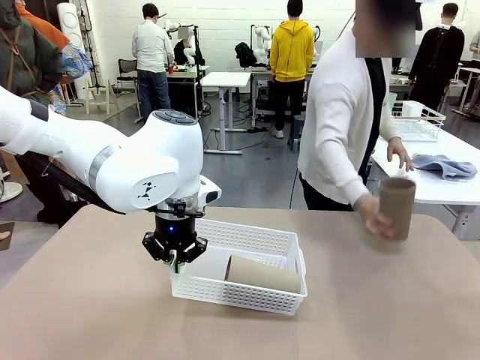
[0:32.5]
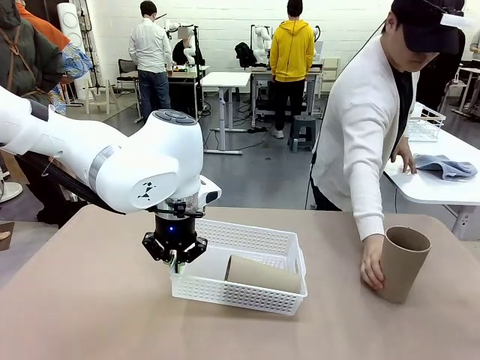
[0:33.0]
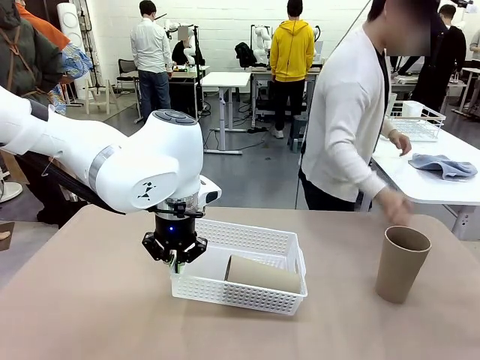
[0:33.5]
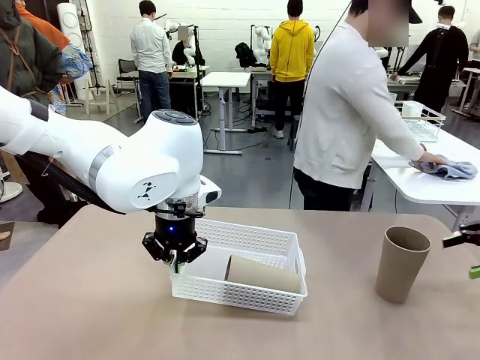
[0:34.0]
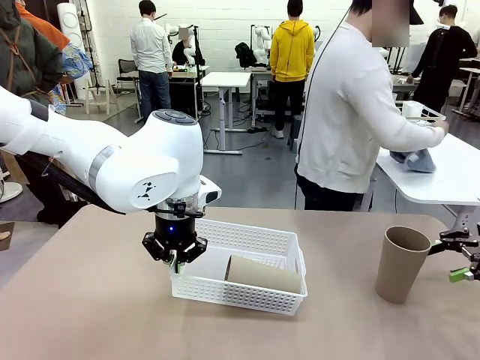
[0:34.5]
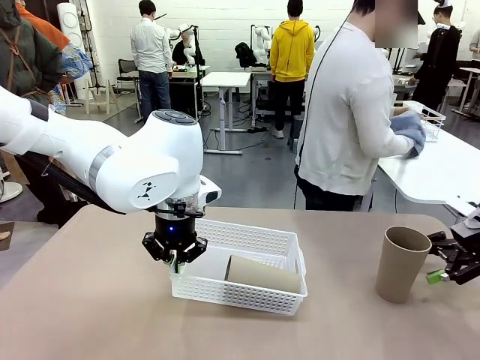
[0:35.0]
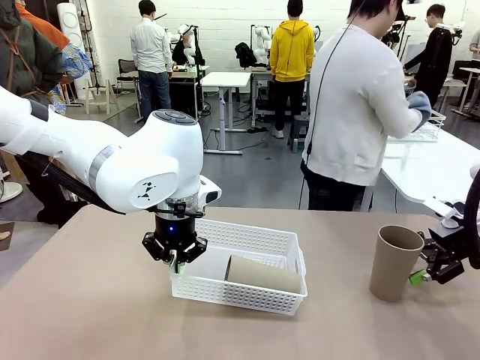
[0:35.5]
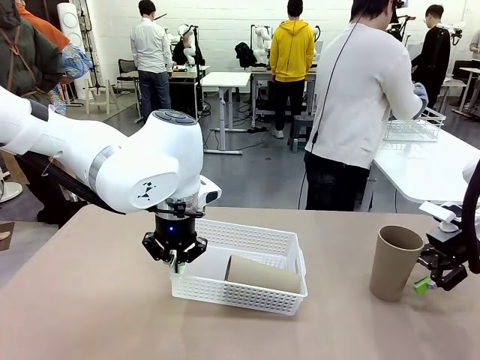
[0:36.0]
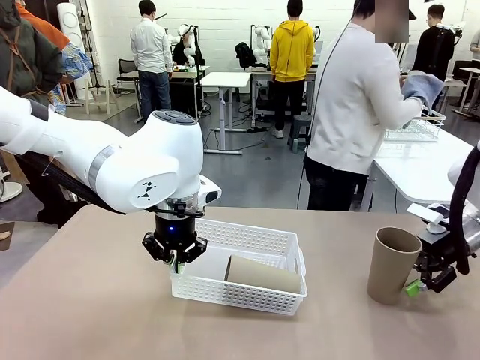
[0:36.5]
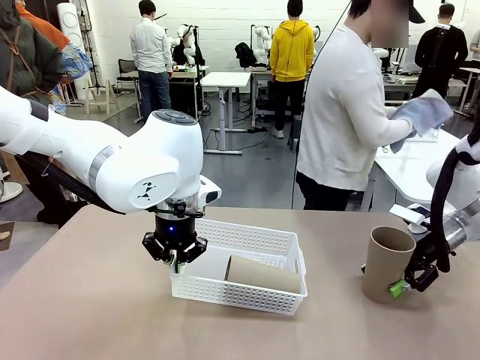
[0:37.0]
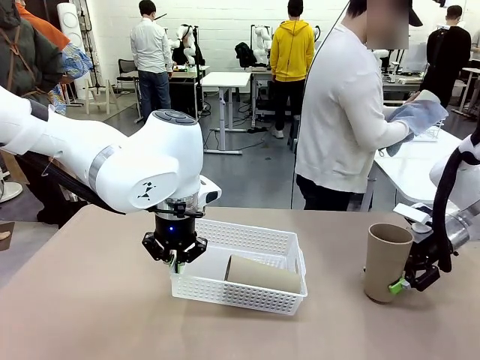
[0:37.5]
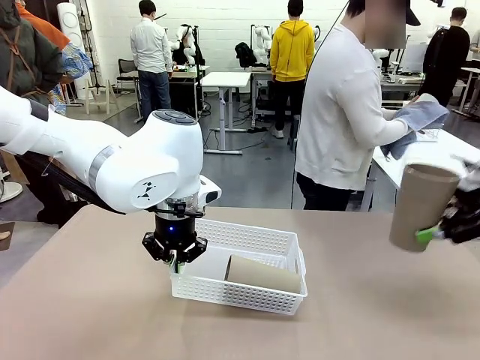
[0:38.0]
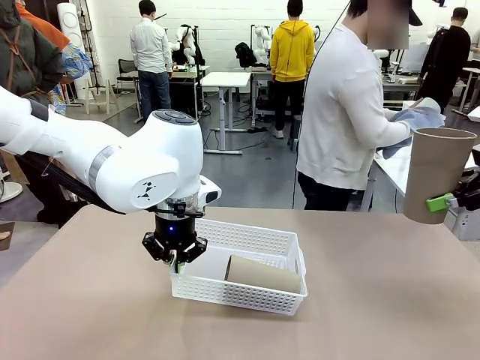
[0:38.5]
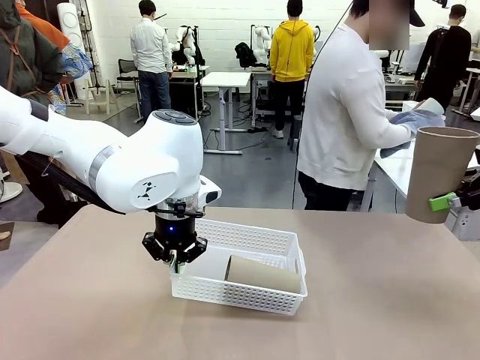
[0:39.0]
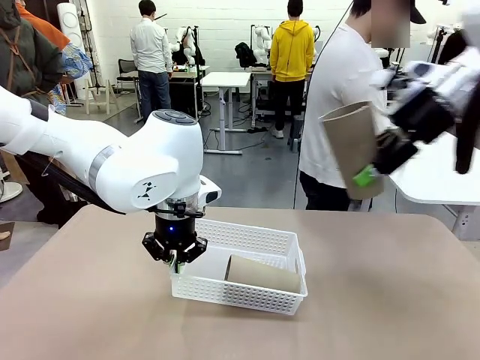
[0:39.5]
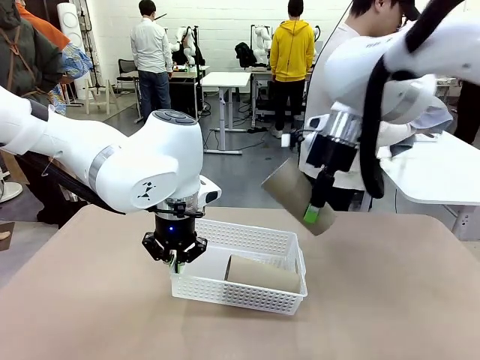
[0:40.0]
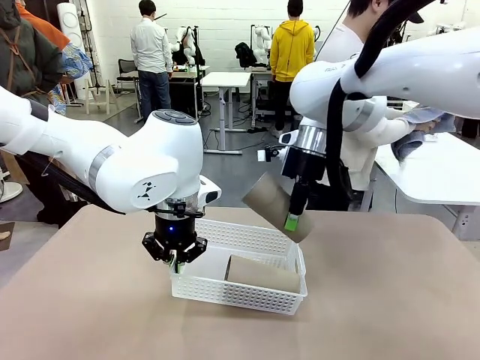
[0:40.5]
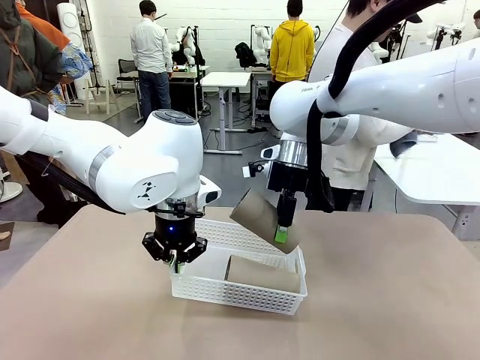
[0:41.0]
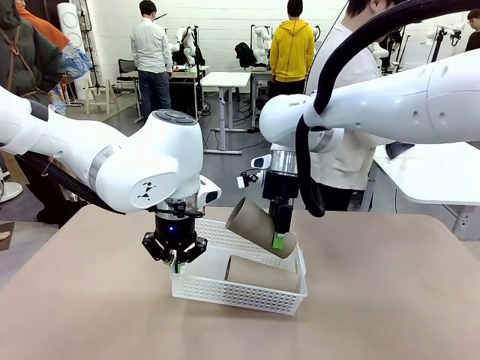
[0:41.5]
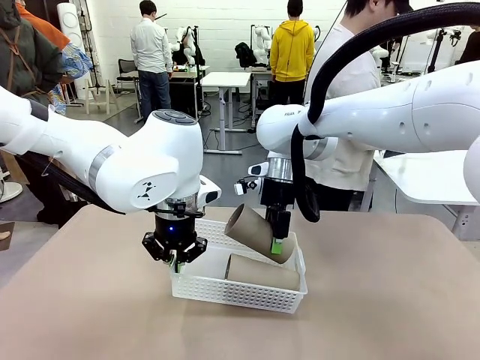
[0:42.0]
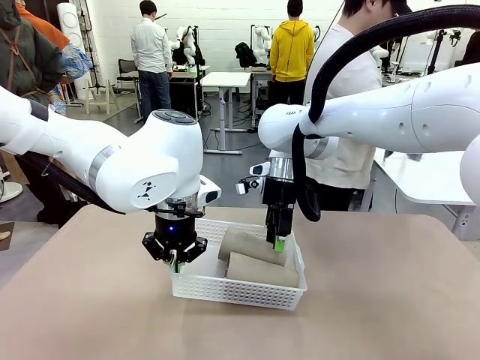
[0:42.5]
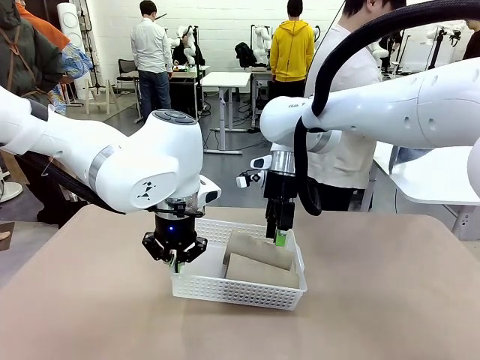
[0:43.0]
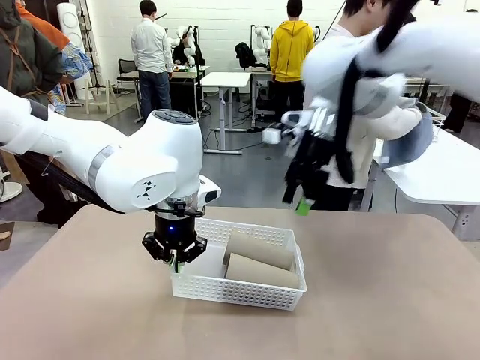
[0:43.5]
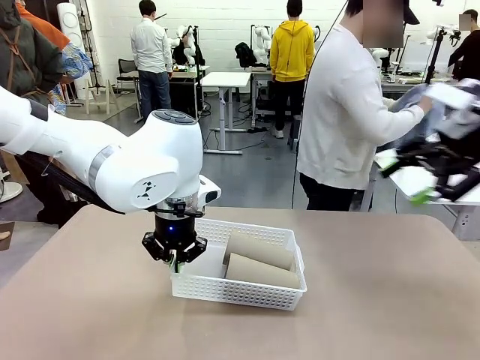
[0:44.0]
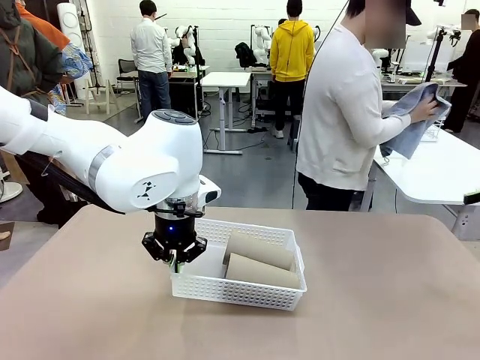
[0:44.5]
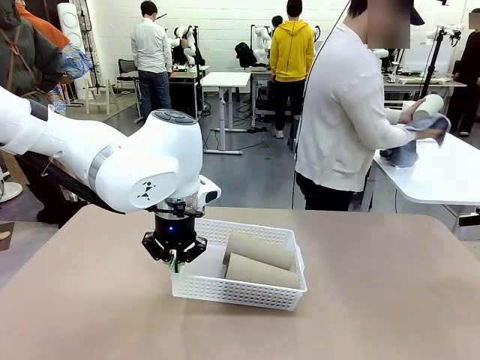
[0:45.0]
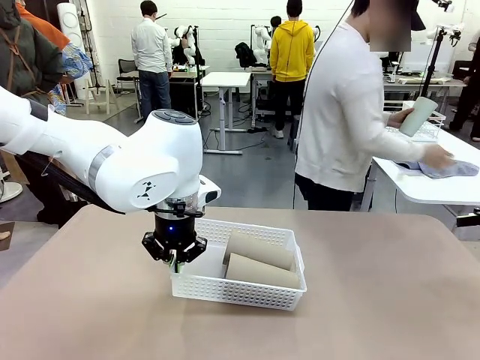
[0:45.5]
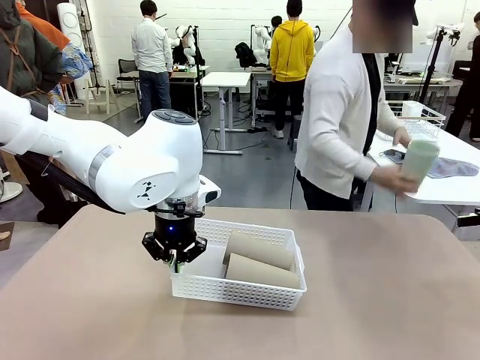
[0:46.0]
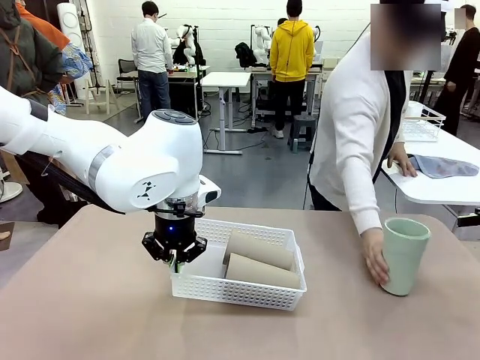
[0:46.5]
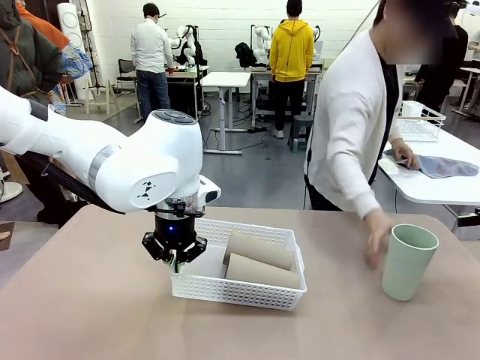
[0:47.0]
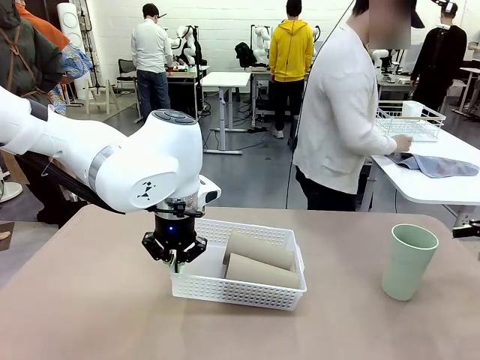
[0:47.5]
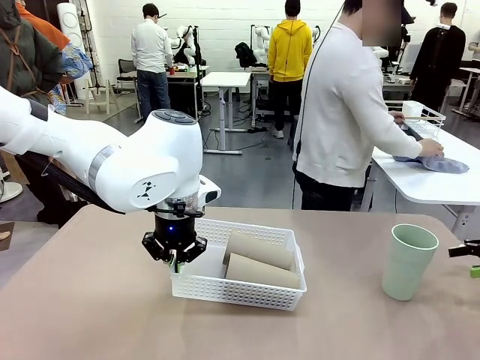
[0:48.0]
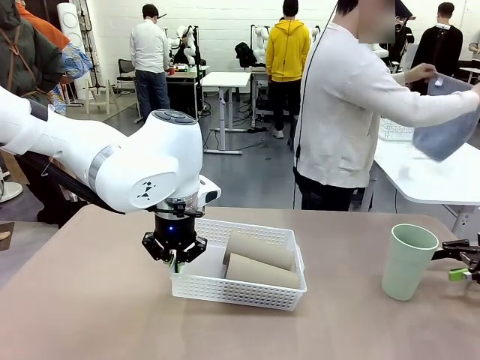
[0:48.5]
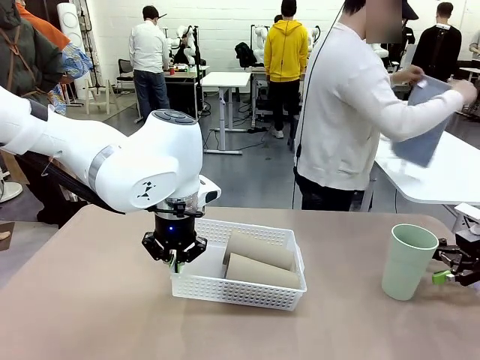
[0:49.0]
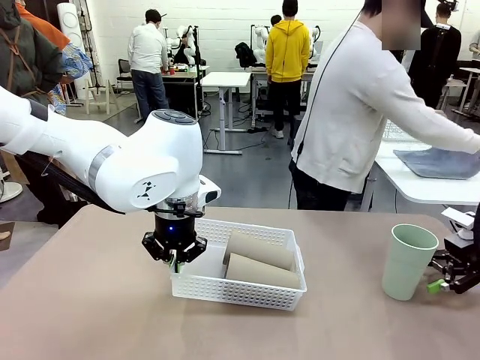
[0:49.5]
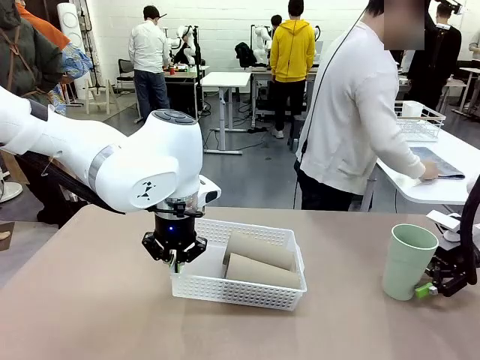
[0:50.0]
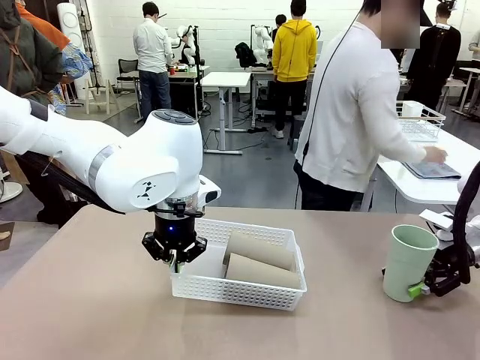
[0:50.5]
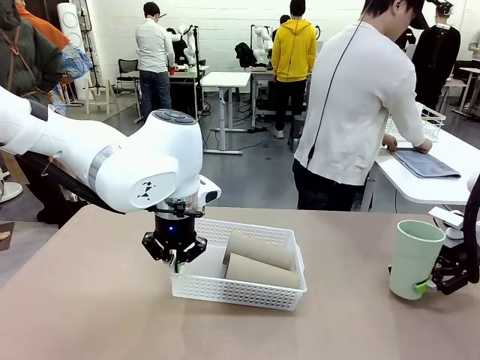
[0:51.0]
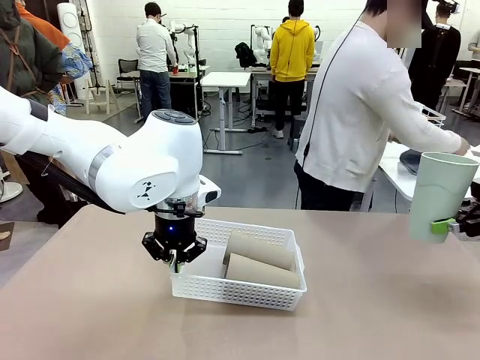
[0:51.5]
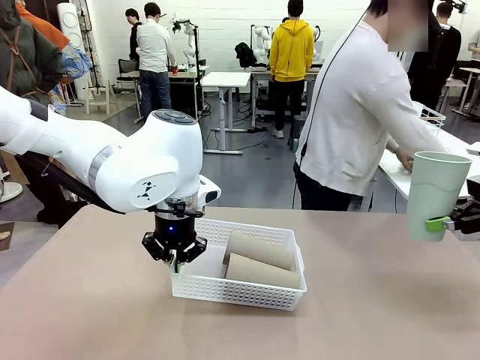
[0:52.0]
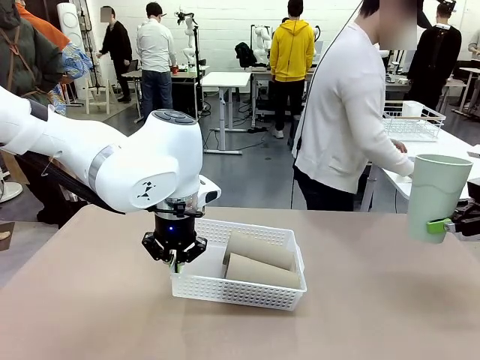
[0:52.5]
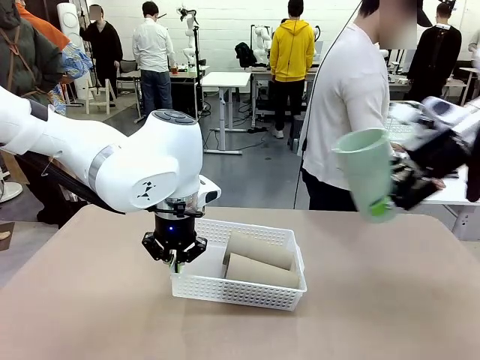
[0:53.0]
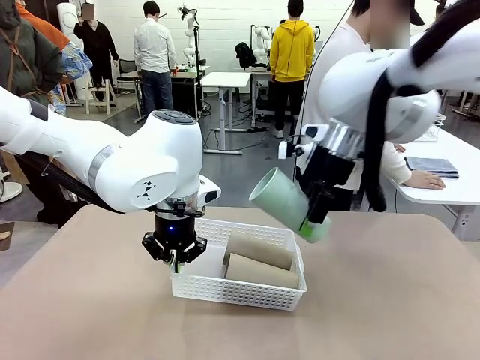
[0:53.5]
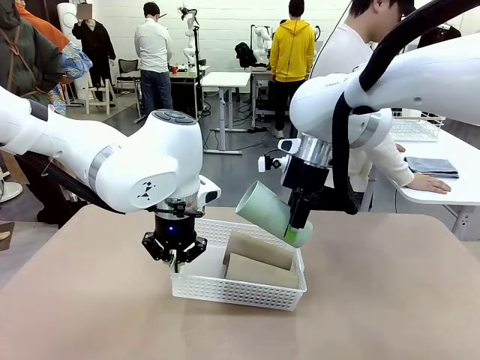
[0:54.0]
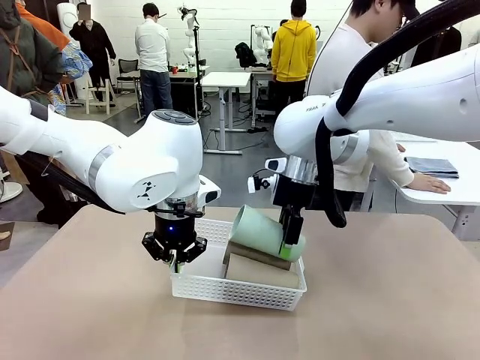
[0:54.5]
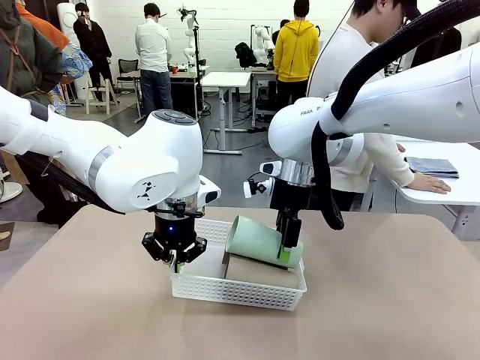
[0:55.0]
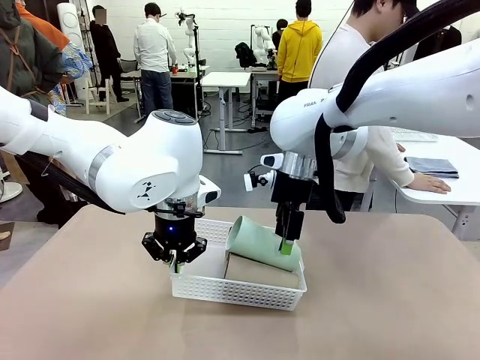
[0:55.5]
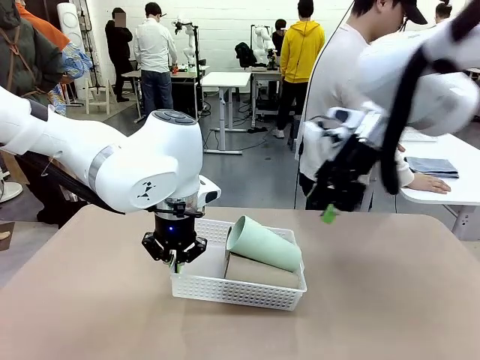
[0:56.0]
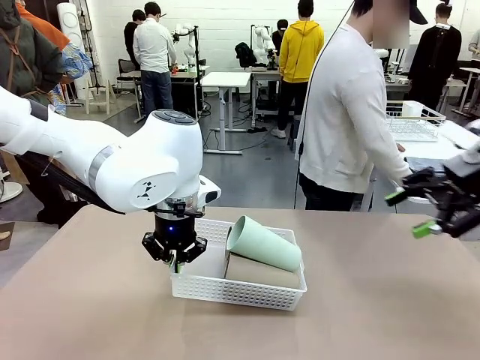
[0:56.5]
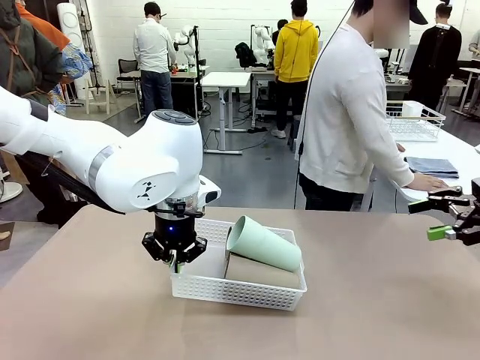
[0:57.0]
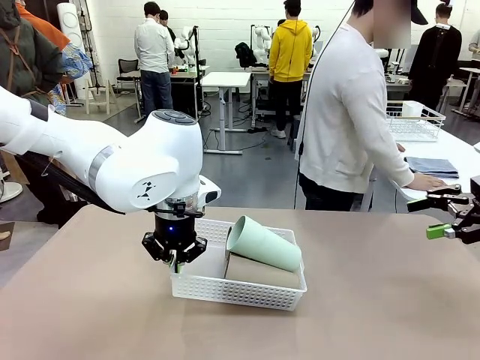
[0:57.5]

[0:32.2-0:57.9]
Task: Clean and organize the cups into the basket.
Robot: Pick up the Reusable plastic cup from the right side of the table and stack it inside the Organizing basket in the center of the table.
Person: Folds the towel in half twice and places it in the right of the table.
